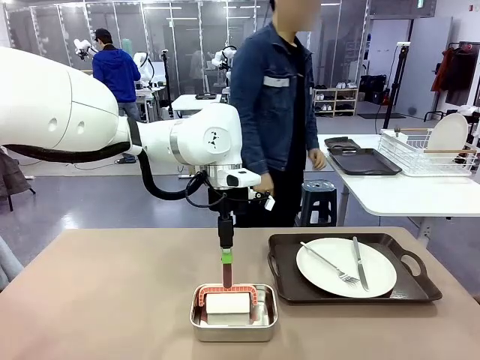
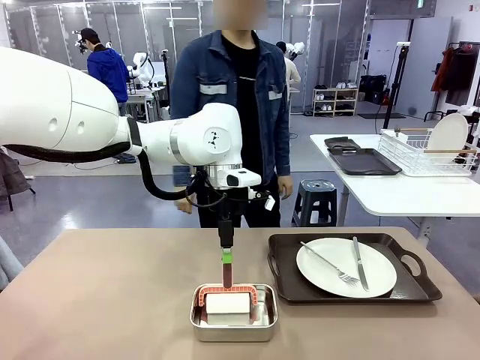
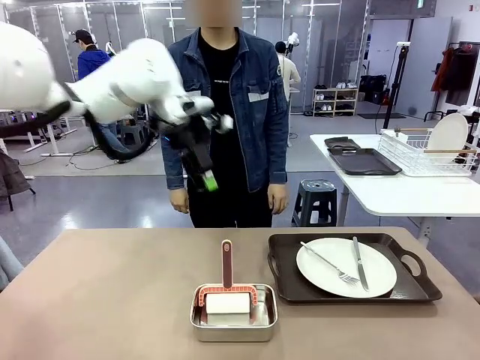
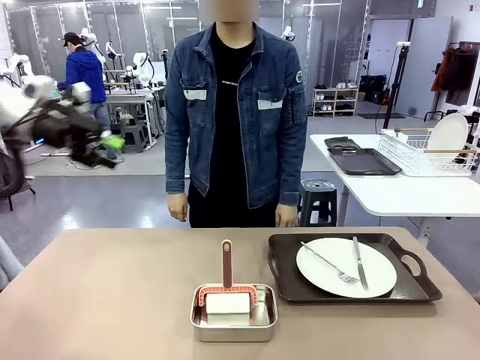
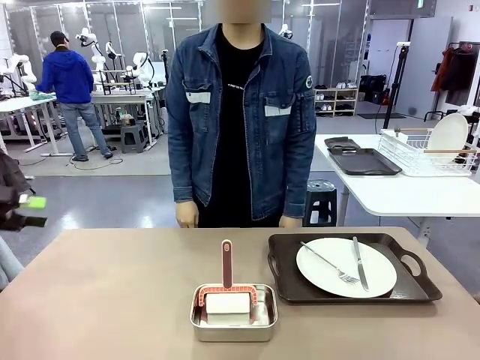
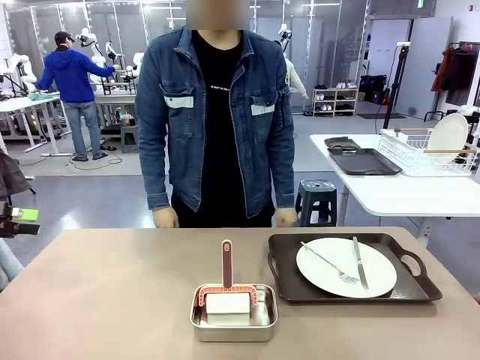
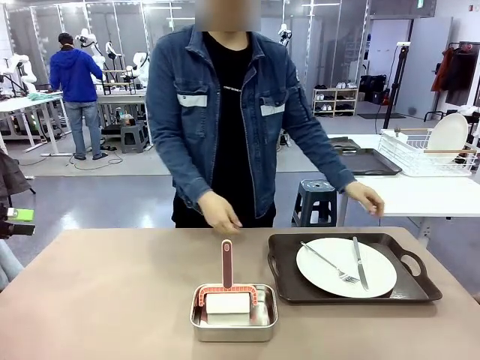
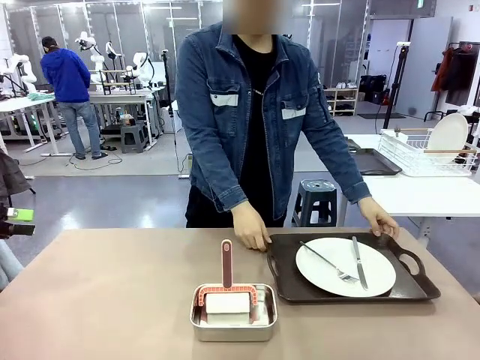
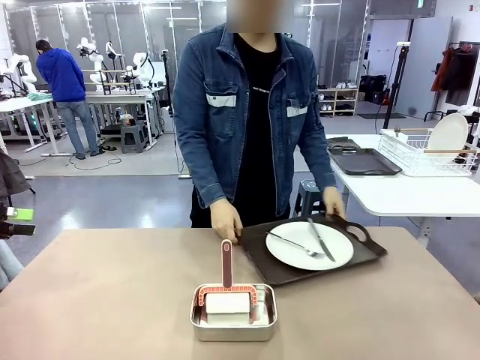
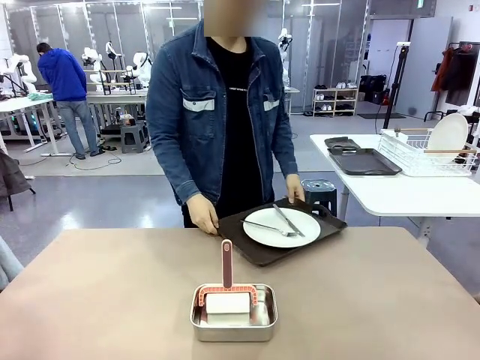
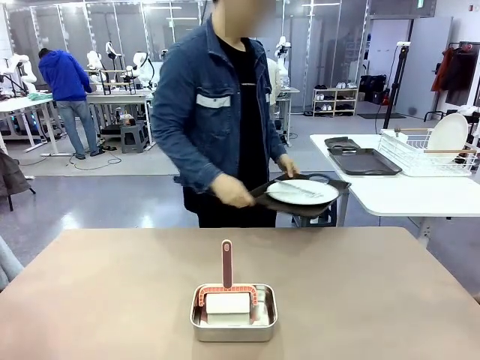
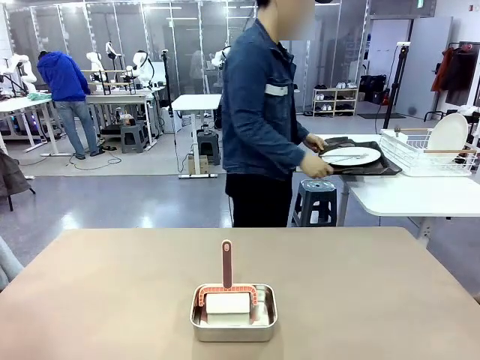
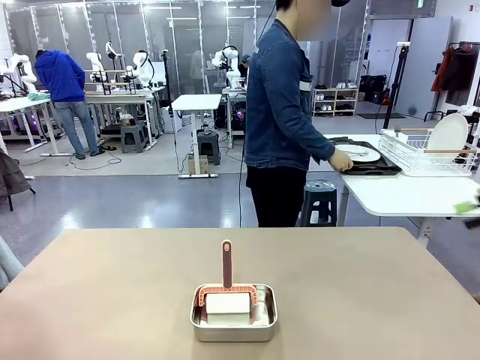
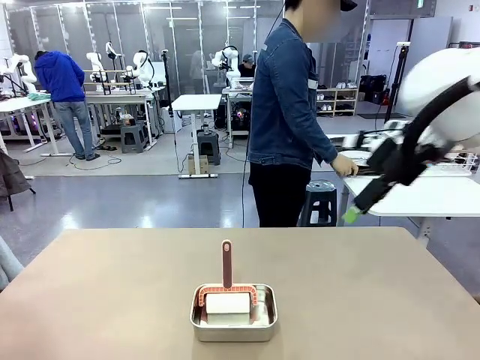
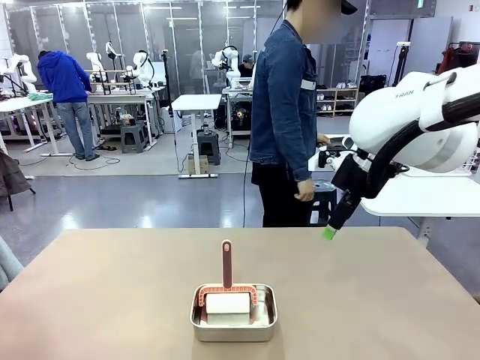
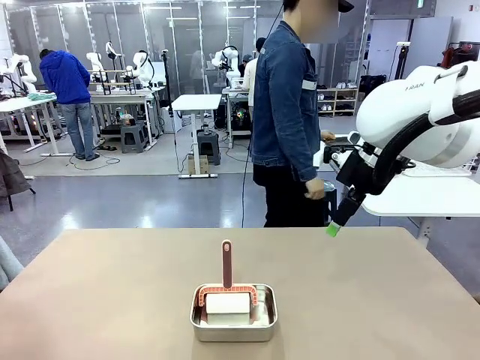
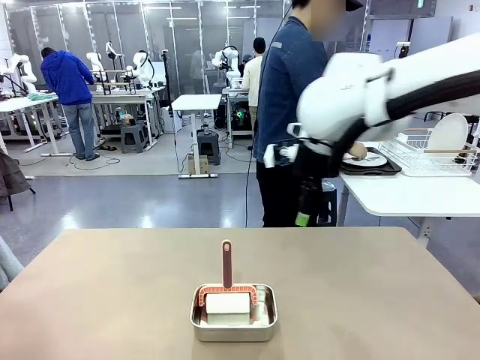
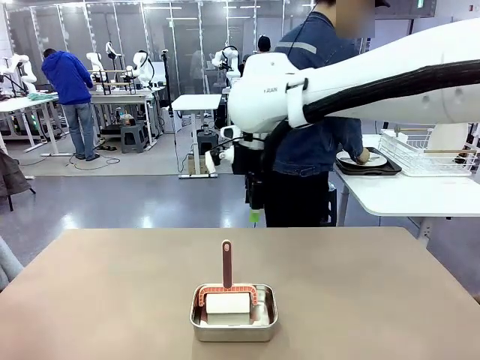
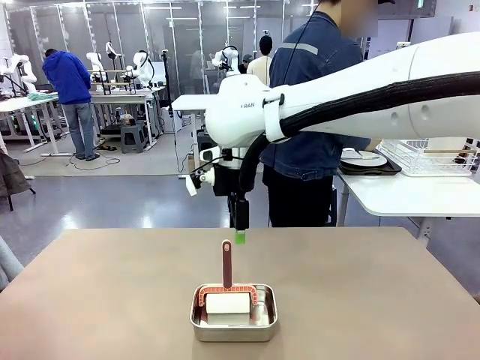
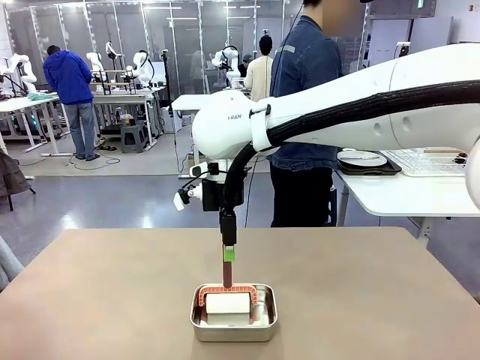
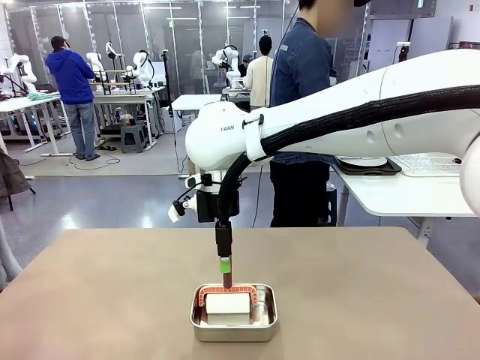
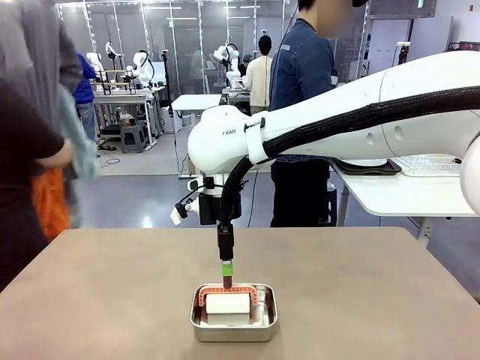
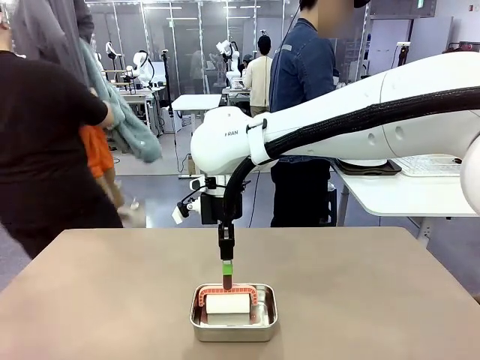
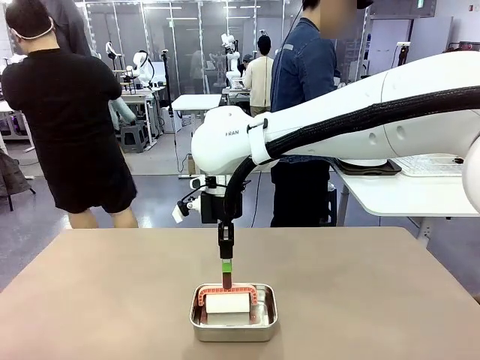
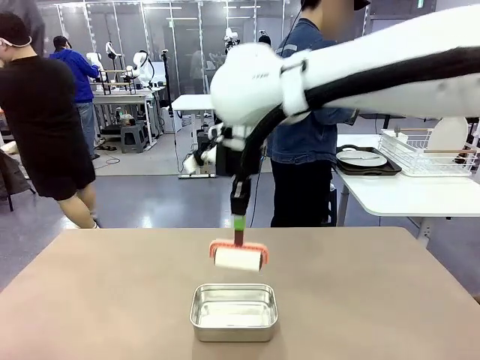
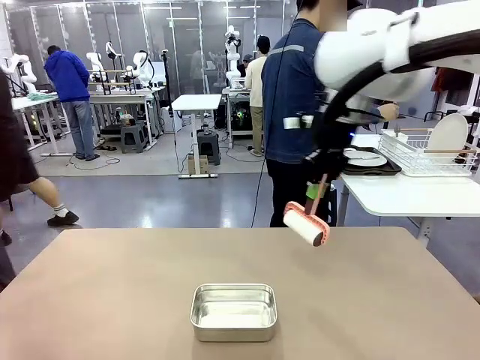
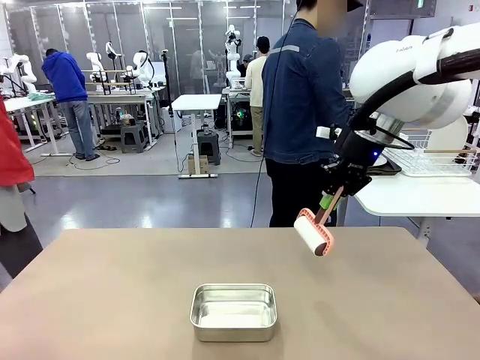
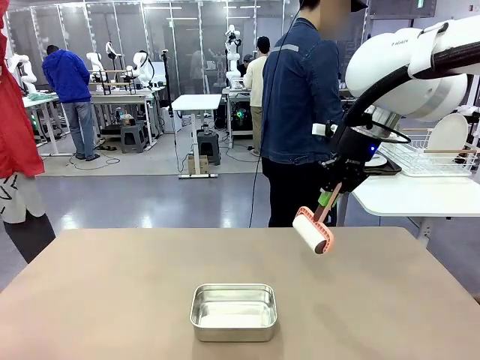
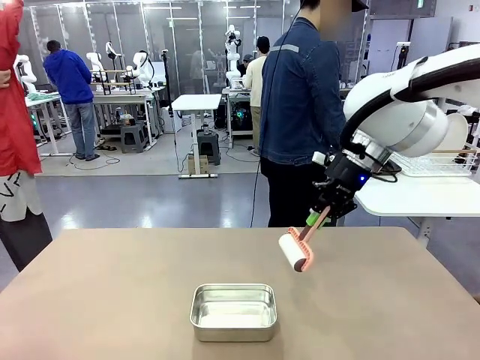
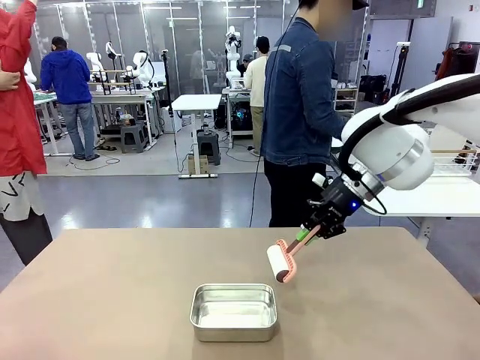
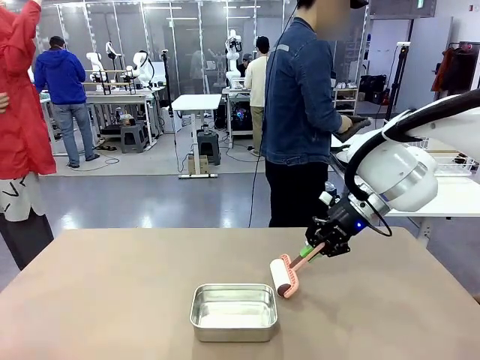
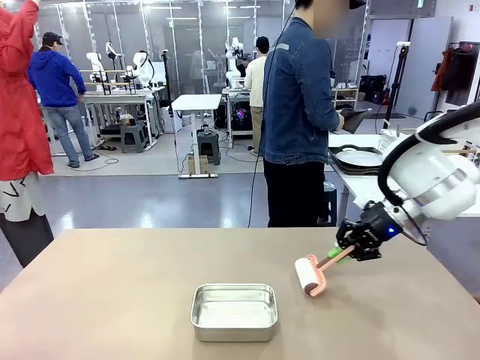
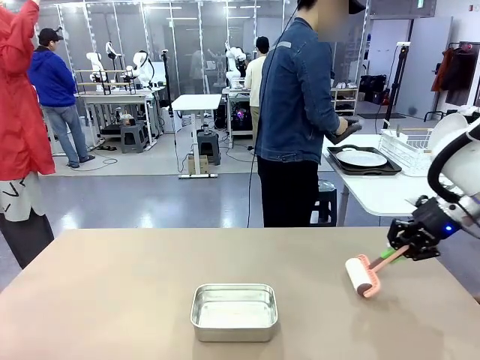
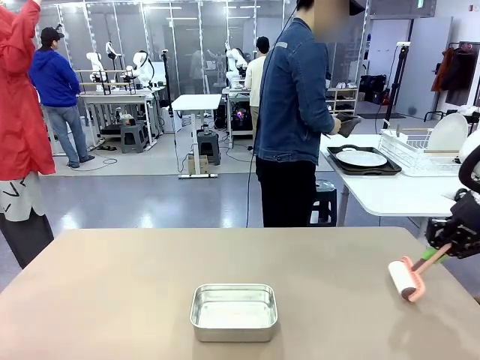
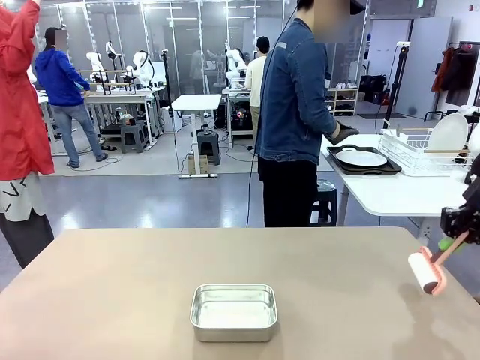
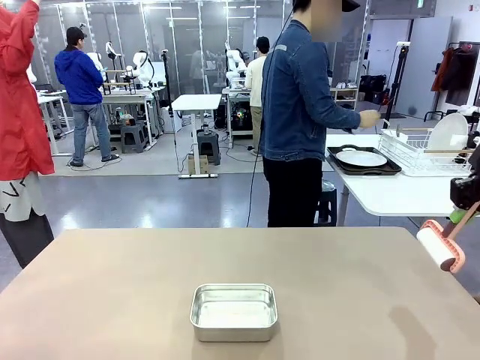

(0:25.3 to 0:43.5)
Robot: When the right (or left) Handle tray is removed, use the right hand (or left hand) to clean the right (or left) side of the table with the Lint Roller.
Person: Pick up the left (or right) Handle tray and place it on the Handle tray.

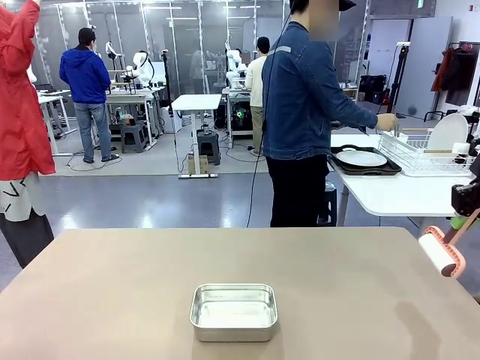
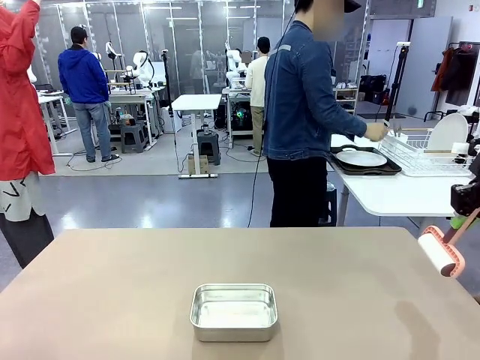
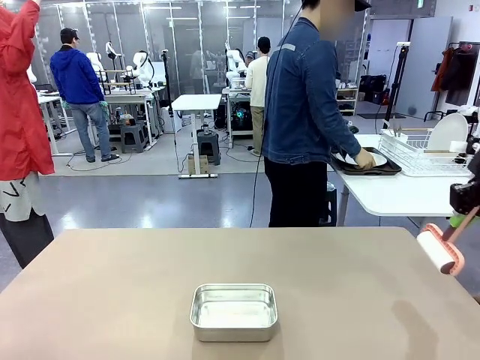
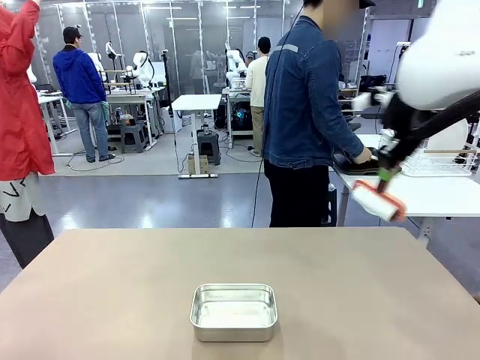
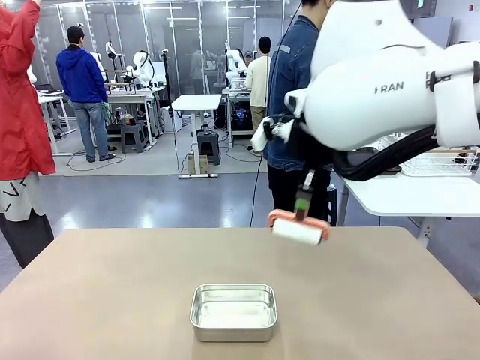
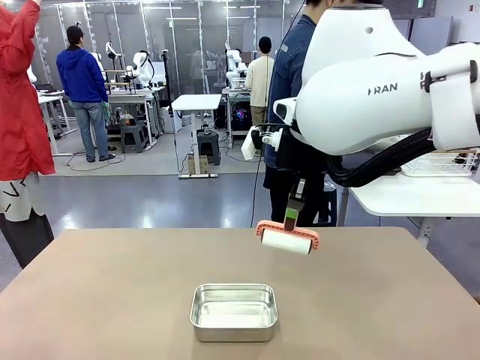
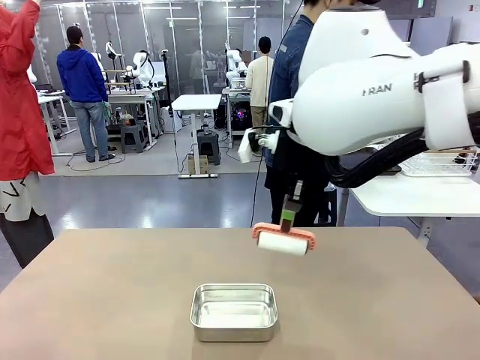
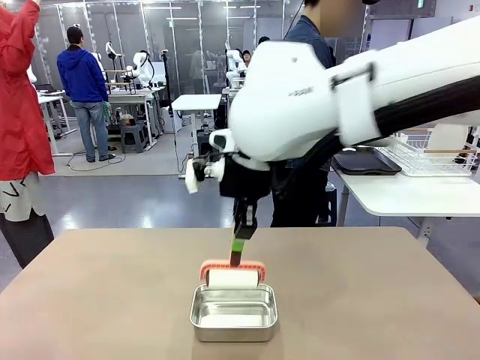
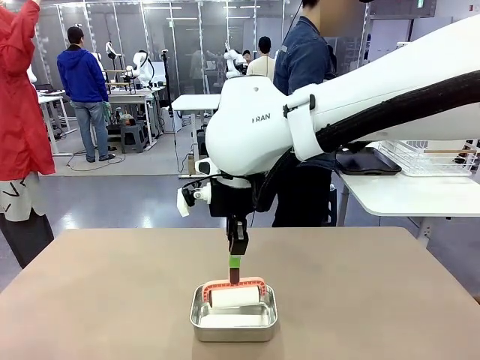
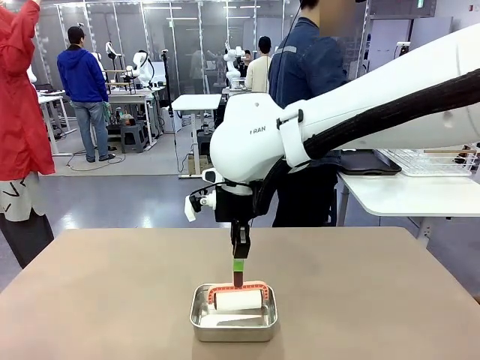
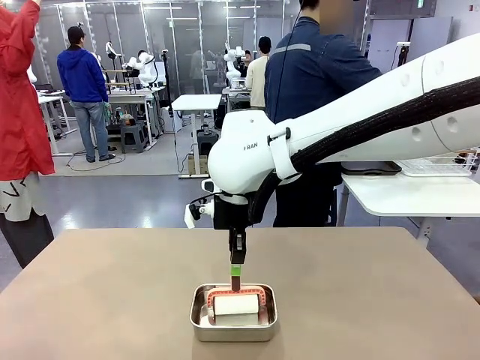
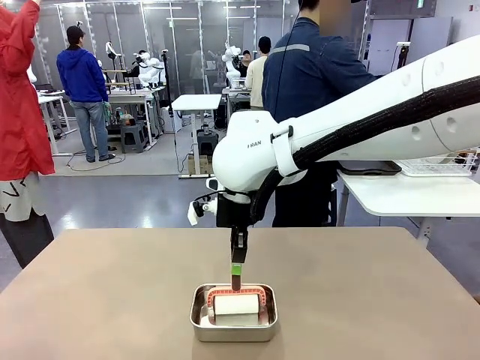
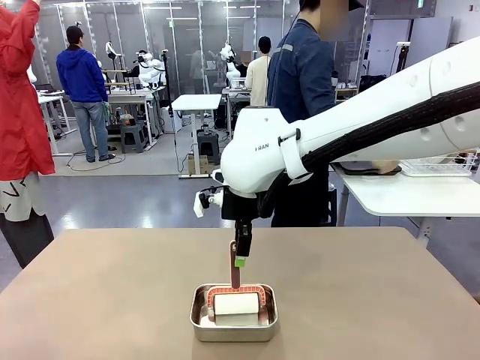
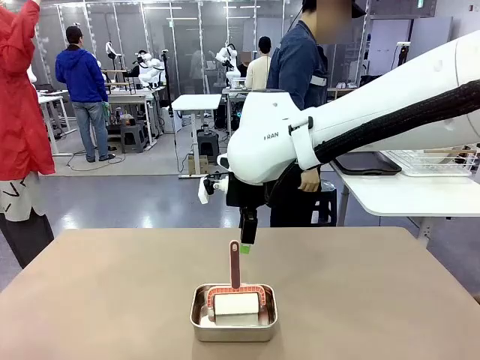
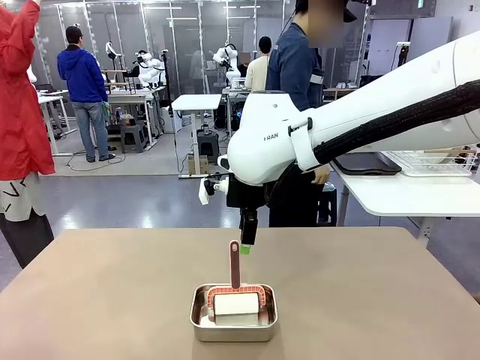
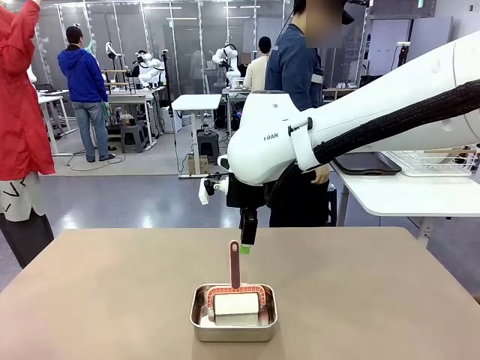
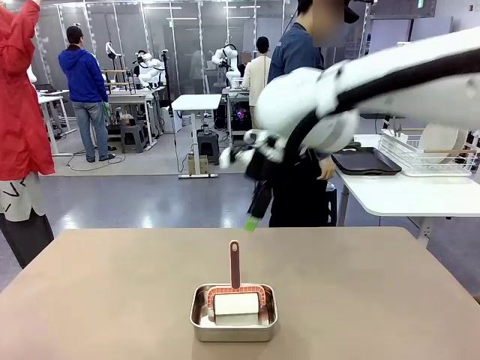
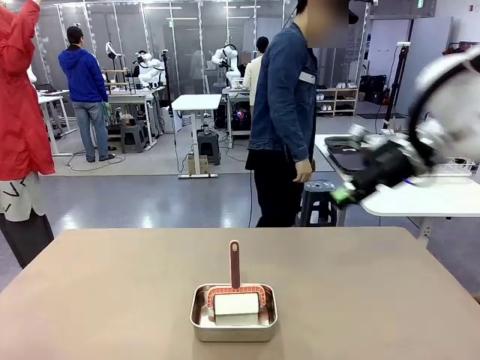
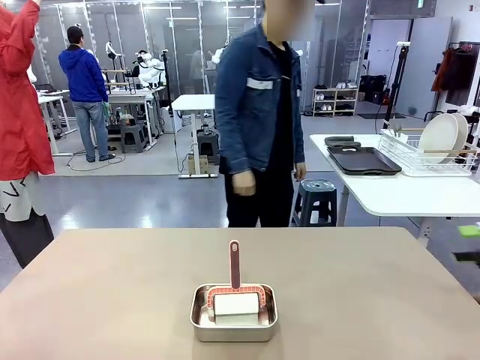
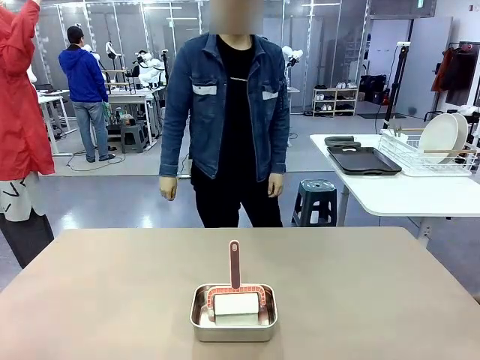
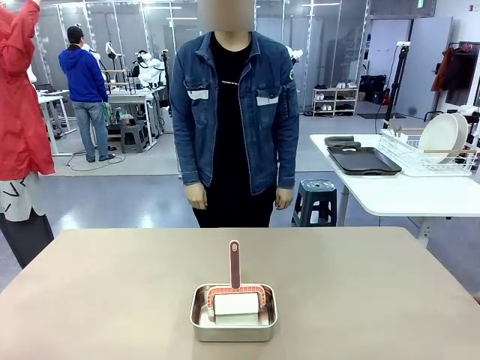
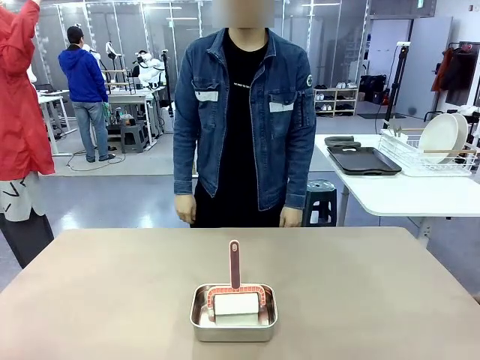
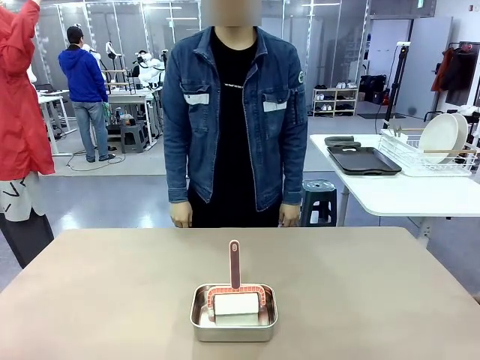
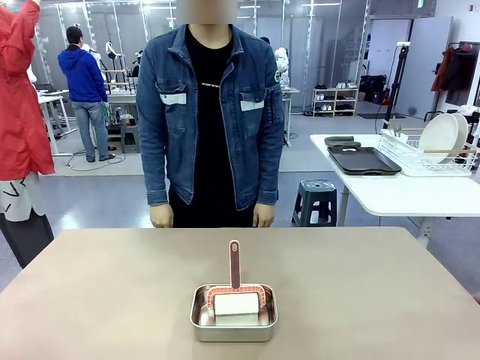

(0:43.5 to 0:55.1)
Robot: Place the Lint Roller back on top of the Airtight Container.
Person: Use the Towel with hook to wipe the Plastic Matte Plate , Fork , and Knife and place into the Dish drying rack.
